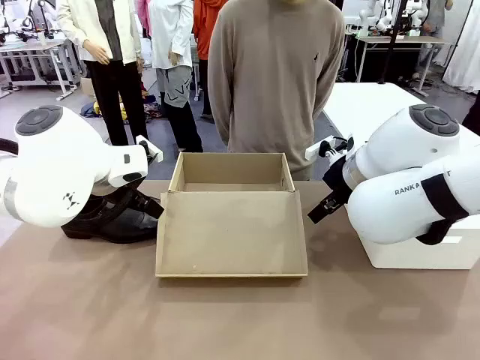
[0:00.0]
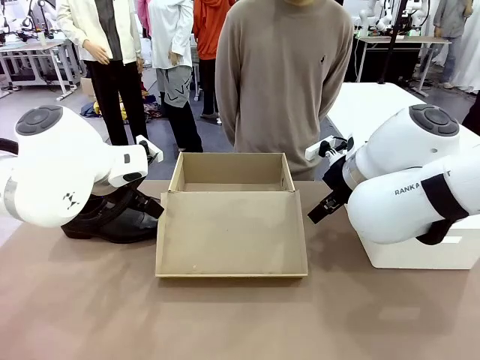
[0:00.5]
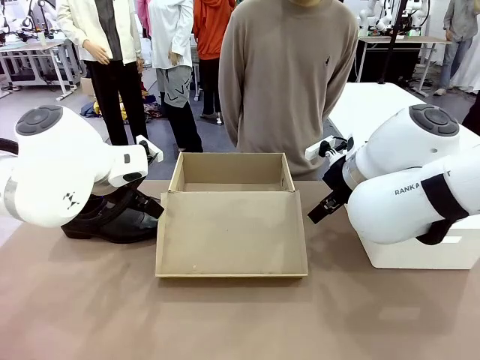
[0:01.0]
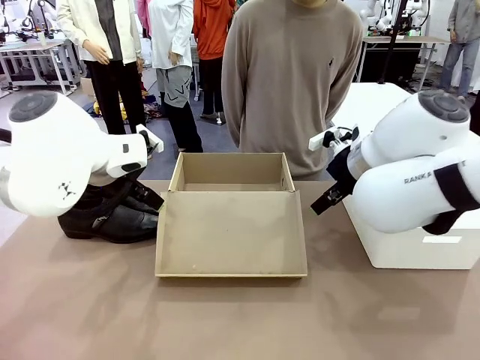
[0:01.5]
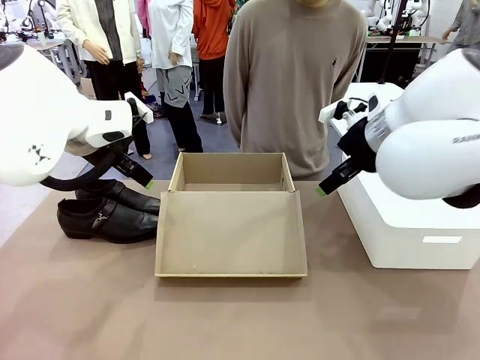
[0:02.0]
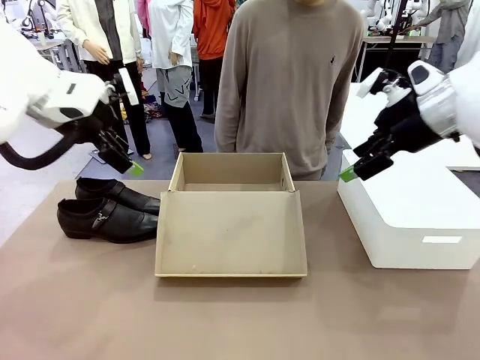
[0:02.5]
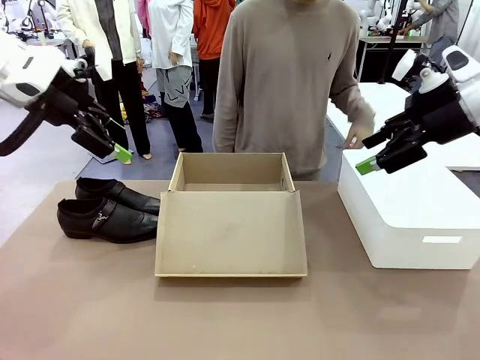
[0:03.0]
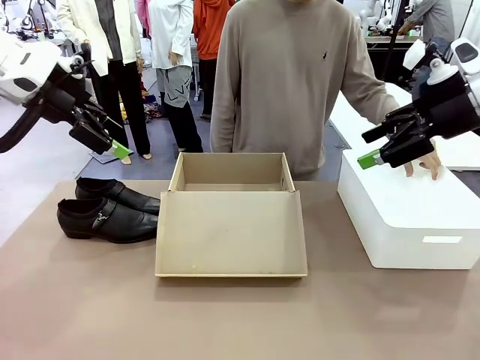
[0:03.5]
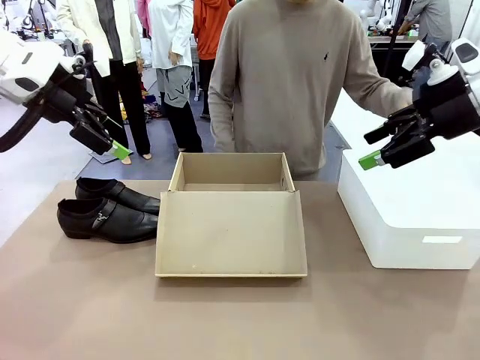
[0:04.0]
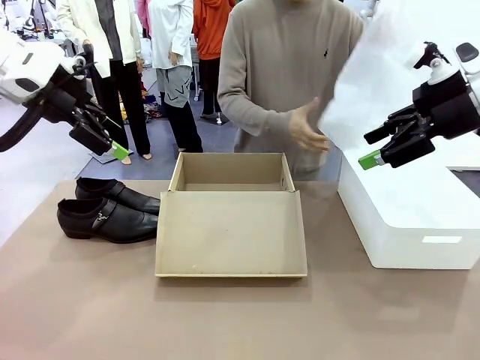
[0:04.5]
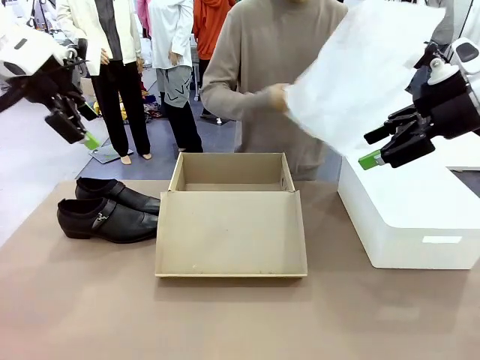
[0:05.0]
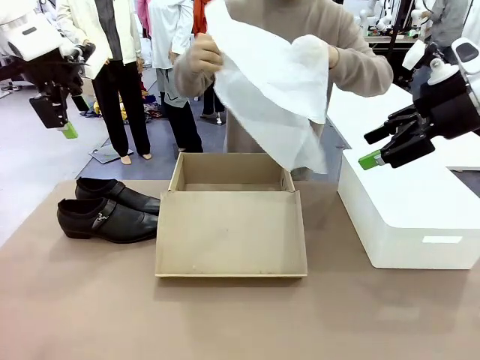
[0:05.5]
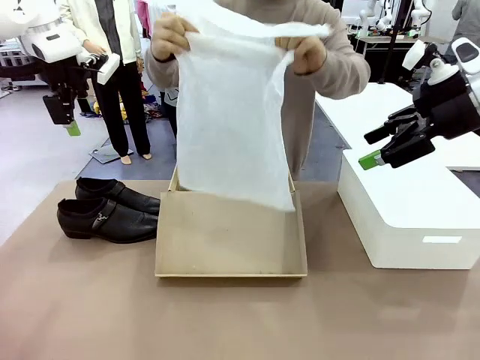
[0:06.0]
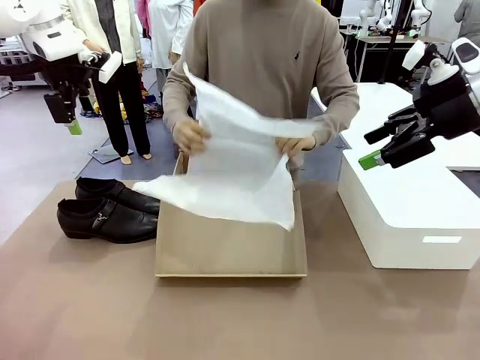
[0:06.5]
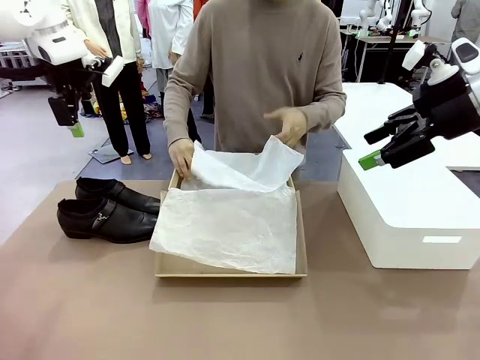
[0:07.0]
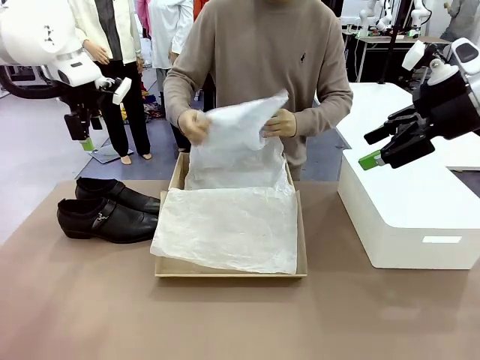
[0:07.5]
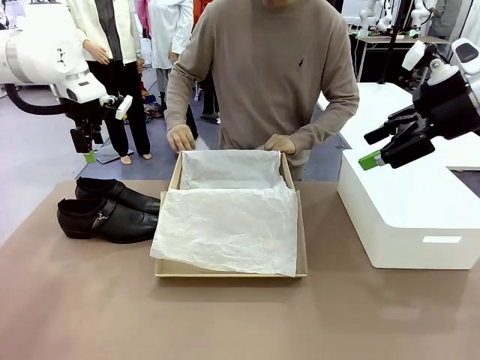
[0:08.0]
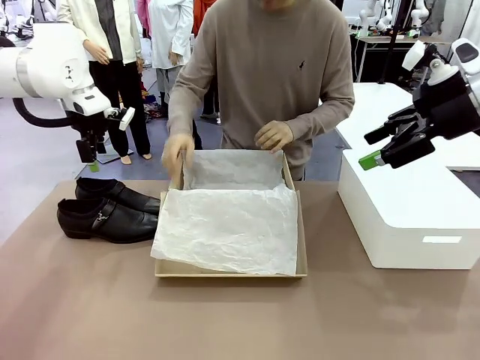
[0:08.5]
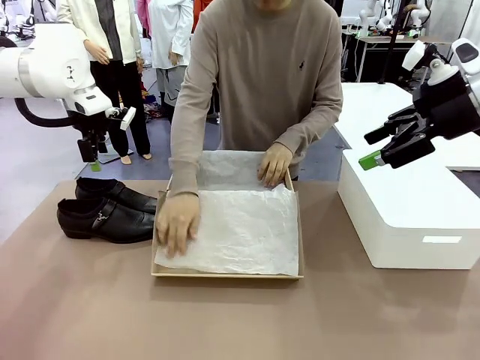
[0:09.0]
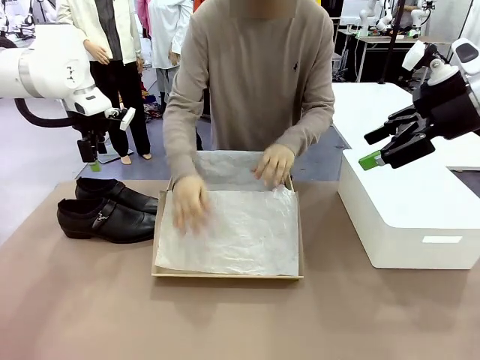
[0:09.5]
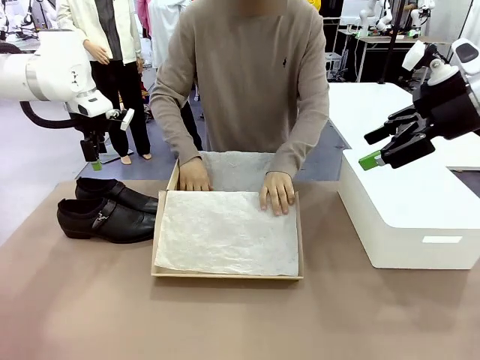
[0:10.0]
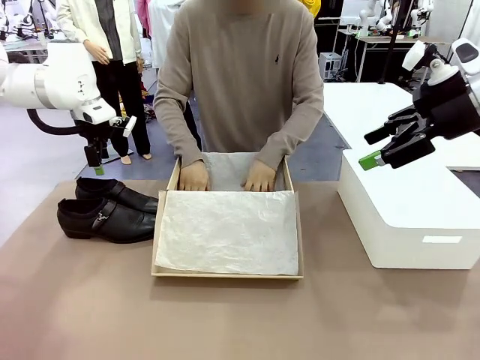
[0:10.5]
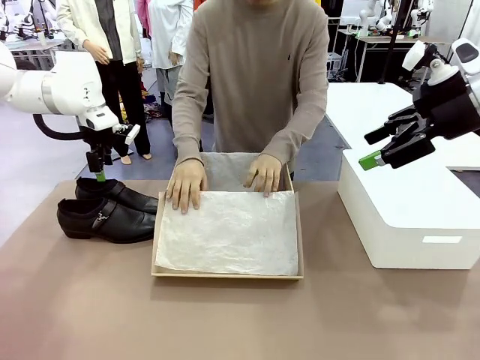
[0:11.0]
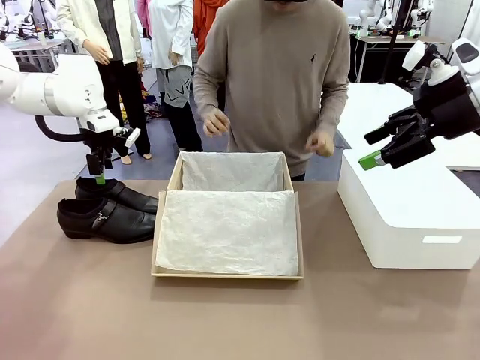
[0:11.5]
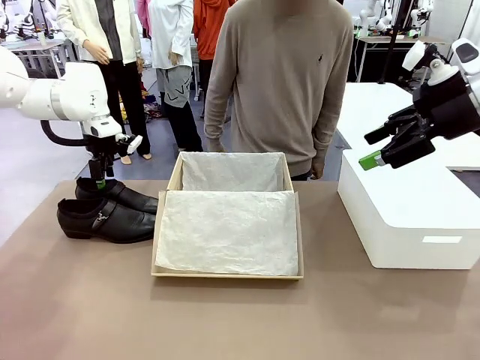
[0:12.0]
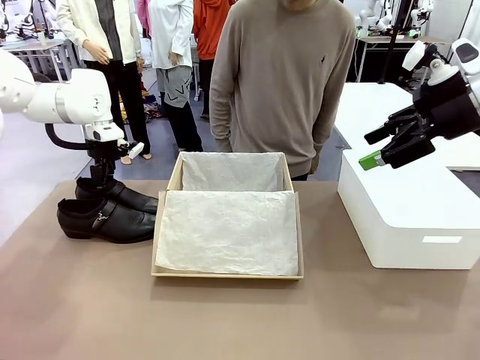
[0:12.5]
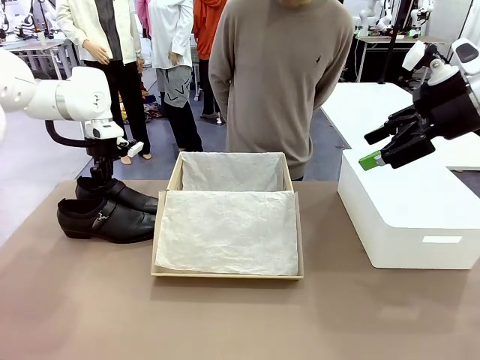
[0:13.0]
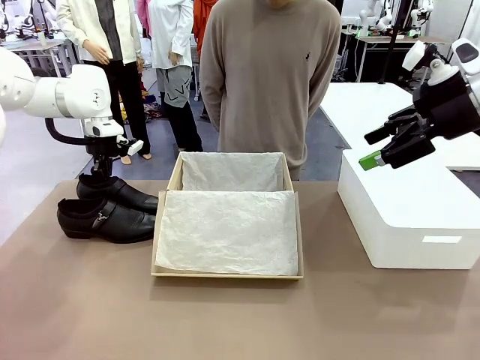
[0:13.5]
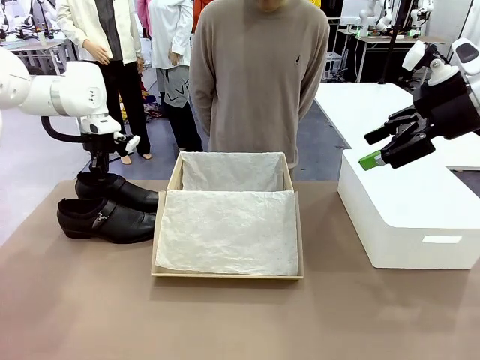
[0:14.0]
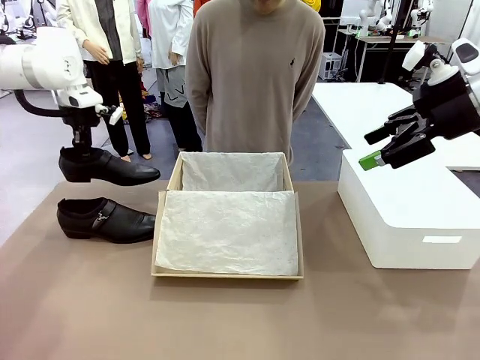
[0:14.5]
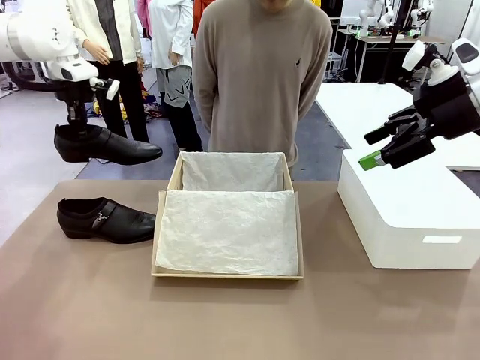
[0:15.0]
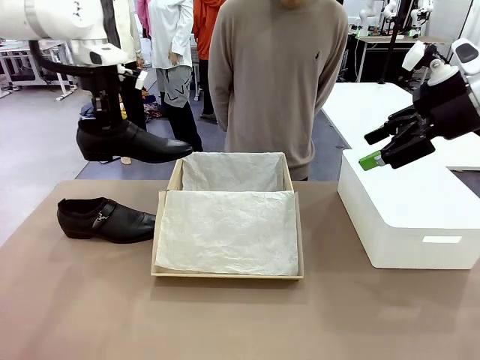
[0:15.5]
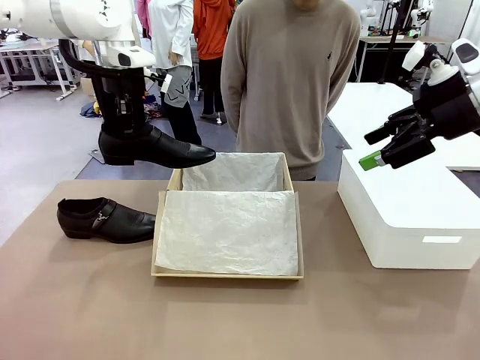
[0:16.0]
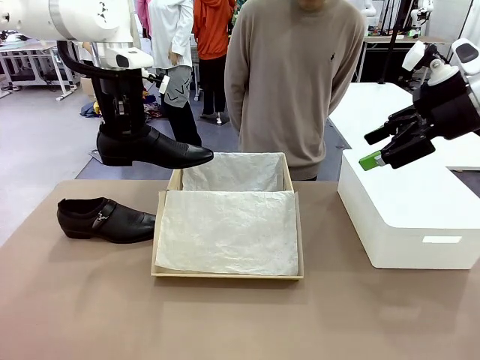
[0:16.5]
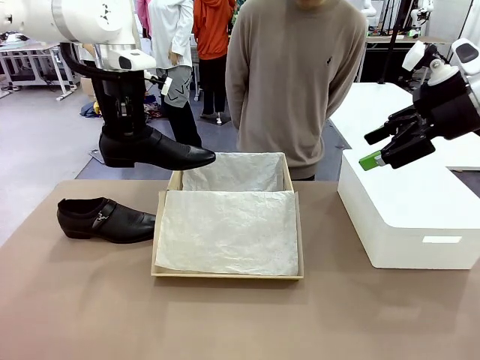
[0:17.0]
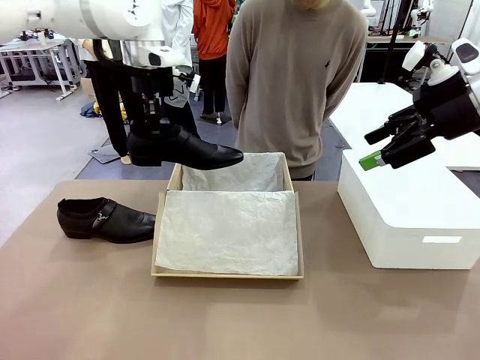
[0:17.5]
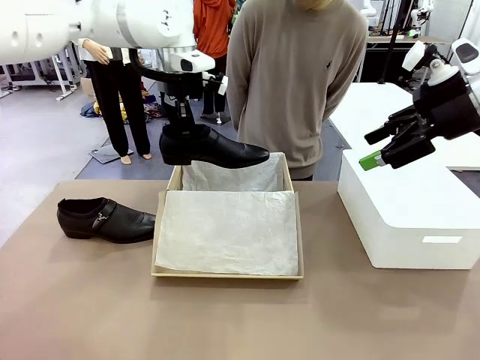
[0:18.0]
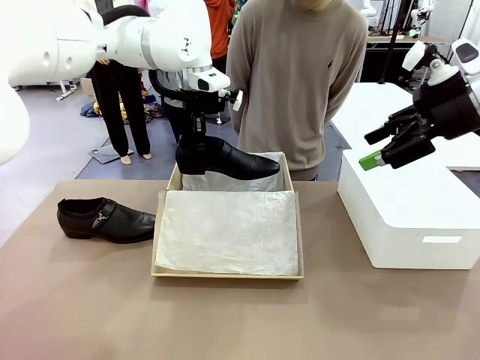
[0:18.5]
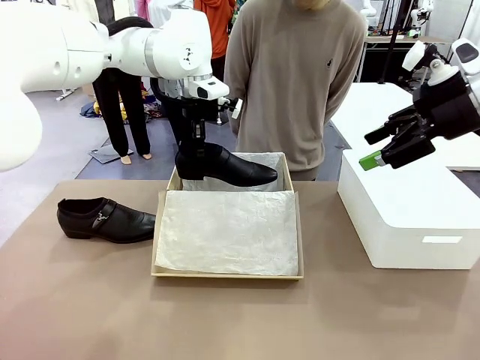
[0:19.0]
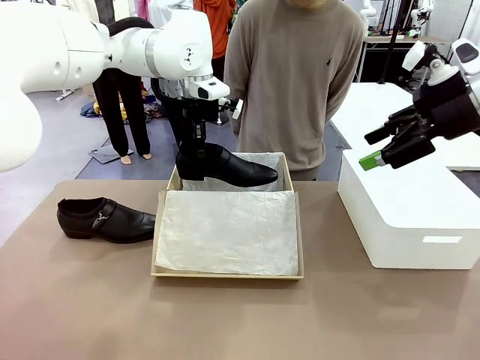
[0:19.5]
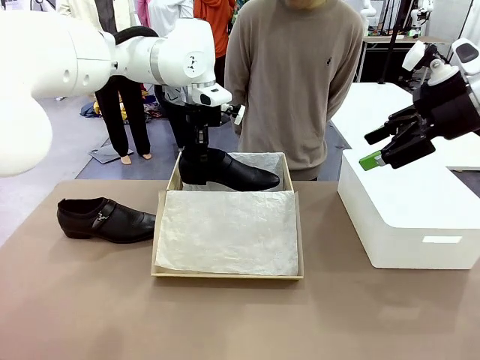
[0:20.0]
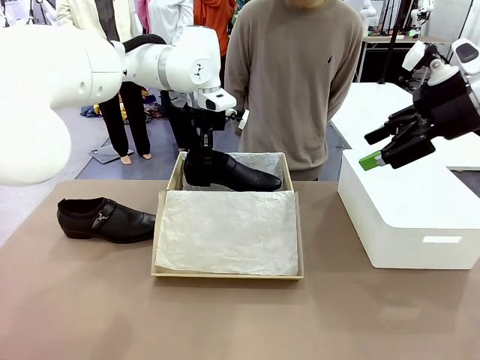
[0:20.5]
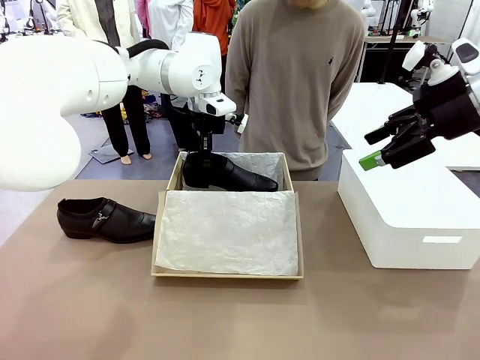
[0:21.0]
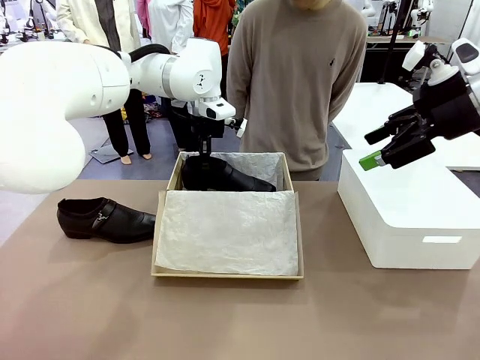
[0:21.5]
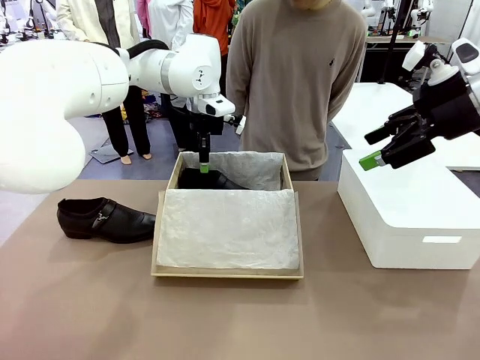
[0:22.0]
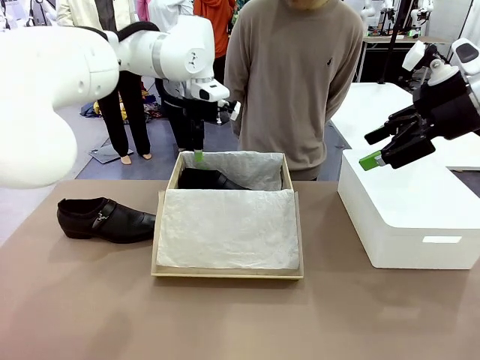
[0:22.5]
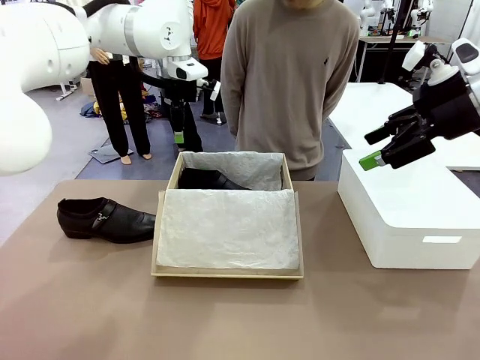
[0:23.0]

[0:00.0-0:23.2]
Task: Pack the shoes into the box.
Robot: Place one shoe of the Shoes into the Shoes Box.
Person: Spread Shoes Wrapping Paper and place inside the Shoes Box.
